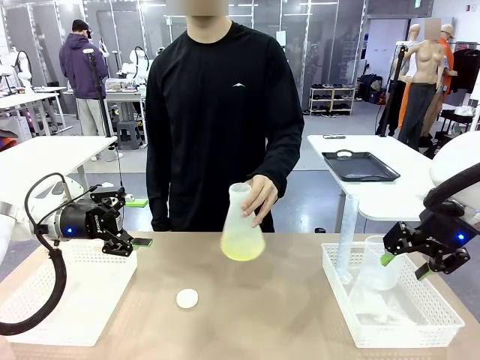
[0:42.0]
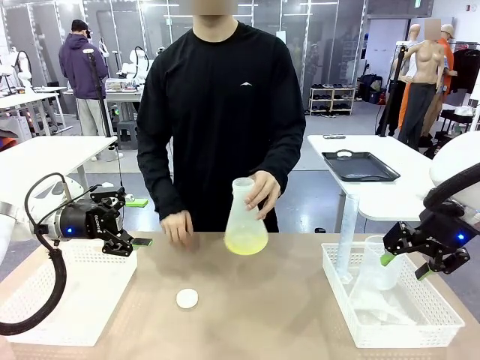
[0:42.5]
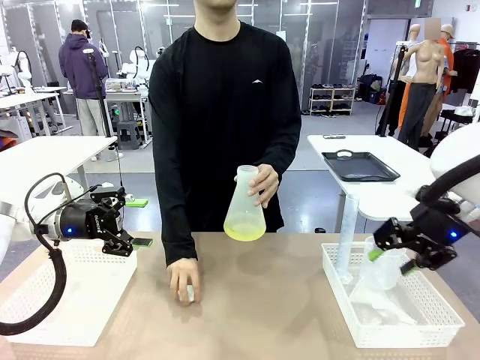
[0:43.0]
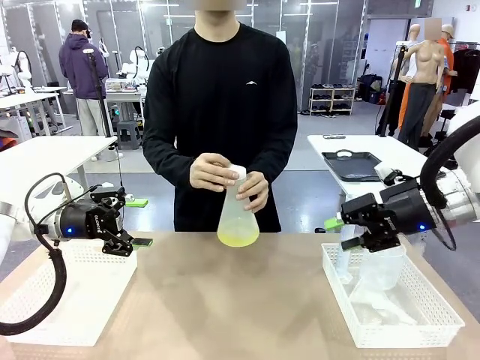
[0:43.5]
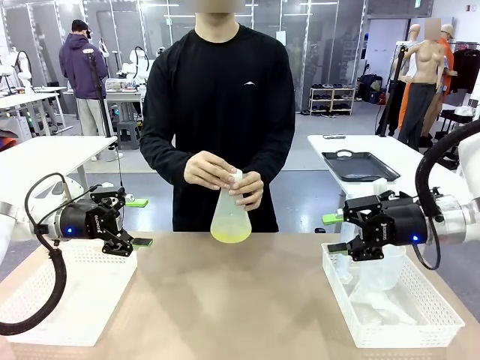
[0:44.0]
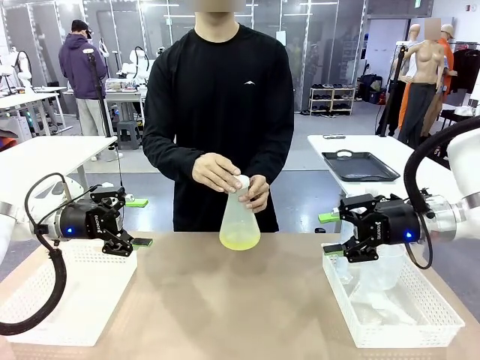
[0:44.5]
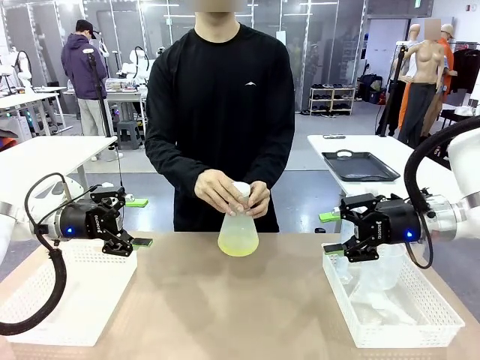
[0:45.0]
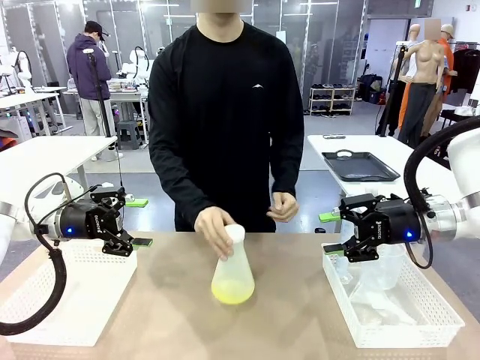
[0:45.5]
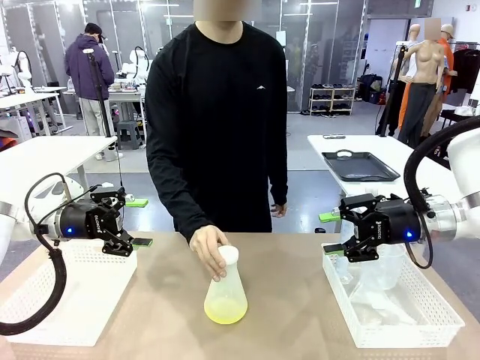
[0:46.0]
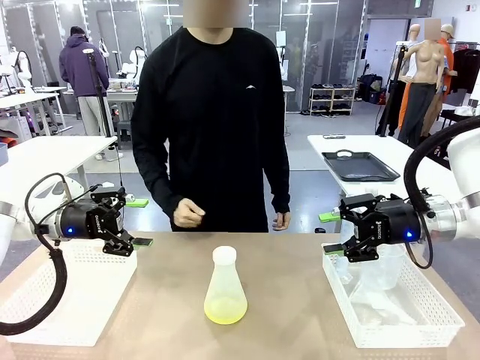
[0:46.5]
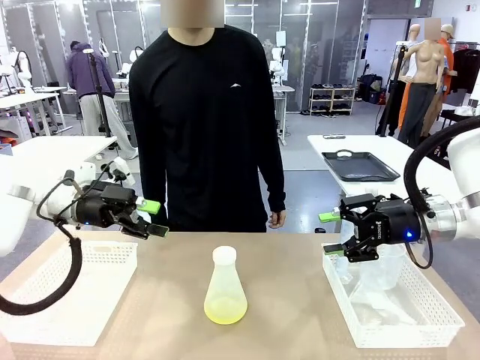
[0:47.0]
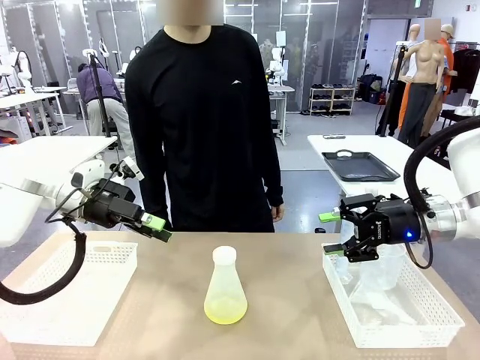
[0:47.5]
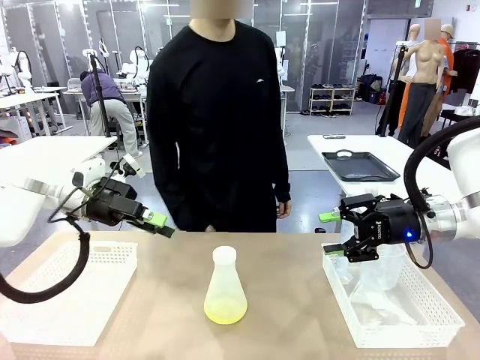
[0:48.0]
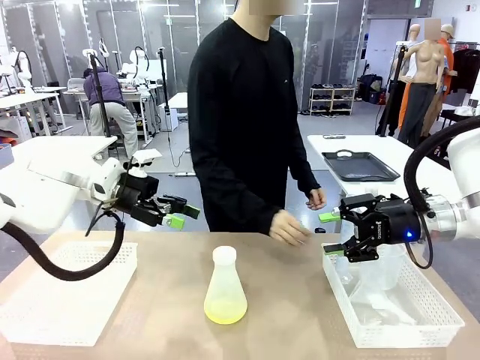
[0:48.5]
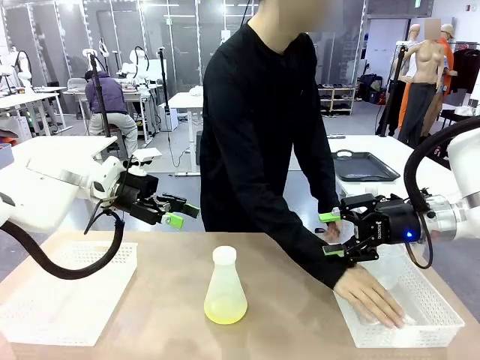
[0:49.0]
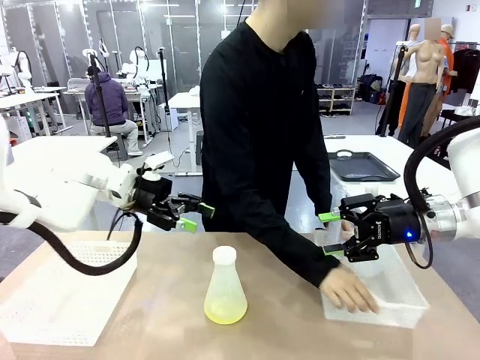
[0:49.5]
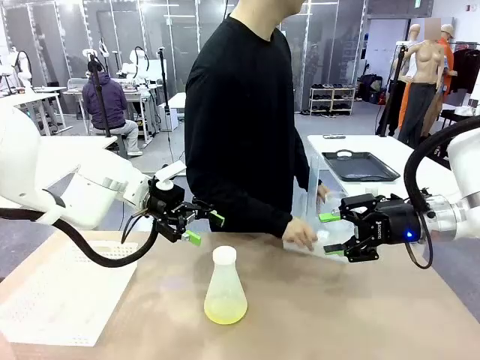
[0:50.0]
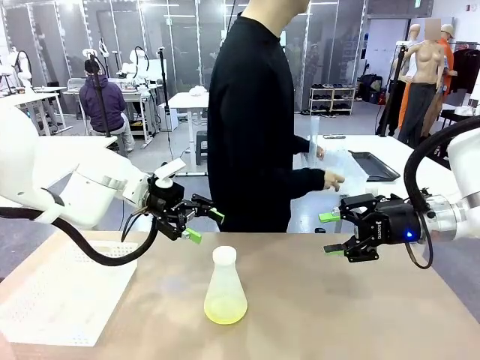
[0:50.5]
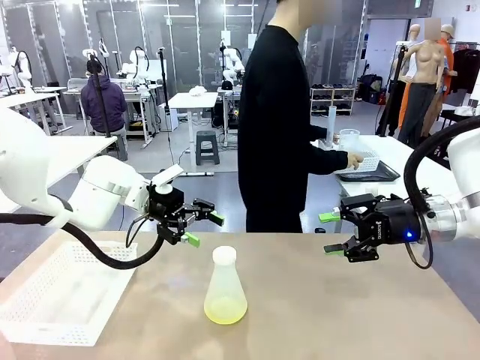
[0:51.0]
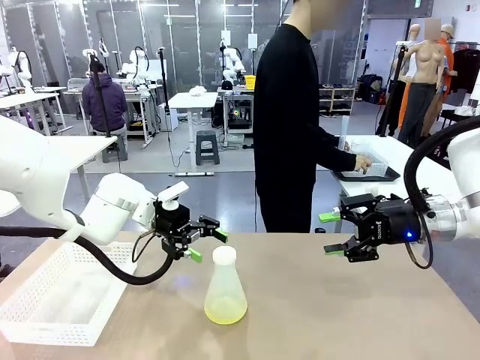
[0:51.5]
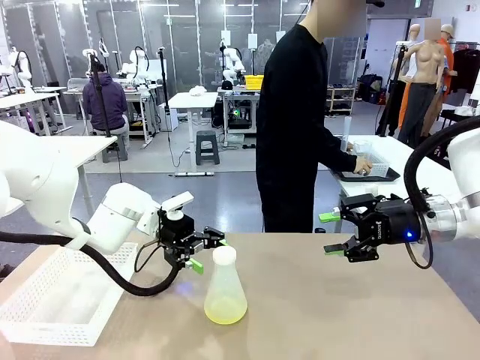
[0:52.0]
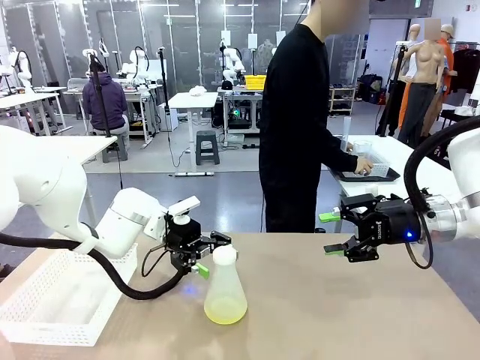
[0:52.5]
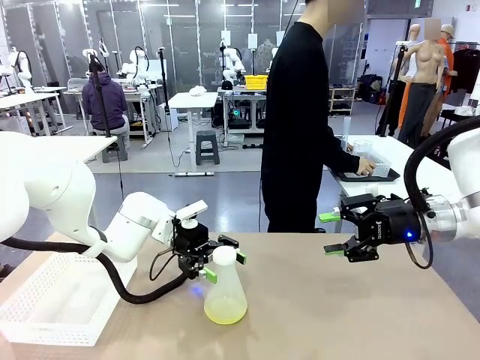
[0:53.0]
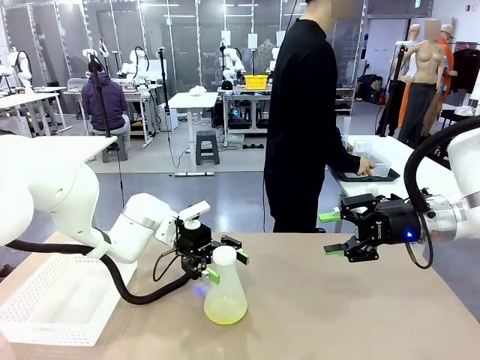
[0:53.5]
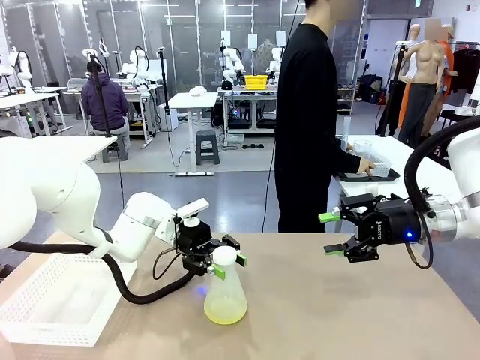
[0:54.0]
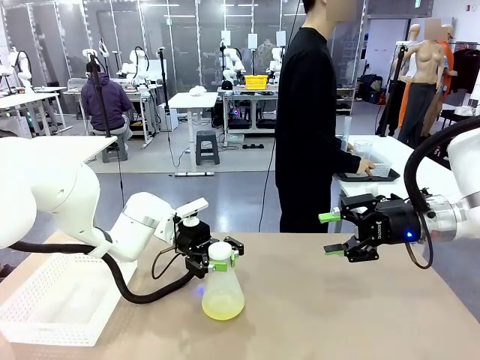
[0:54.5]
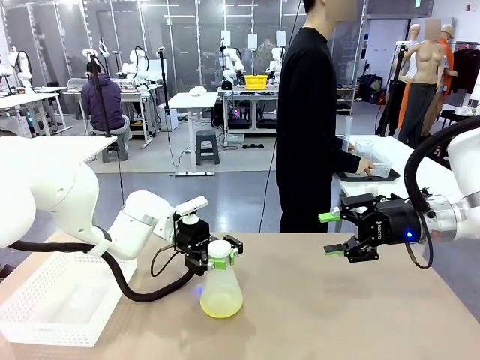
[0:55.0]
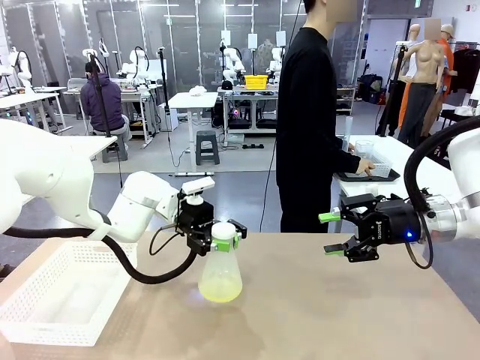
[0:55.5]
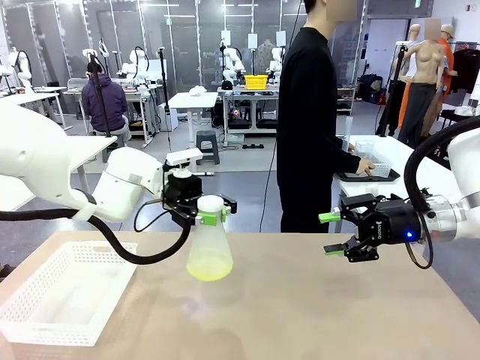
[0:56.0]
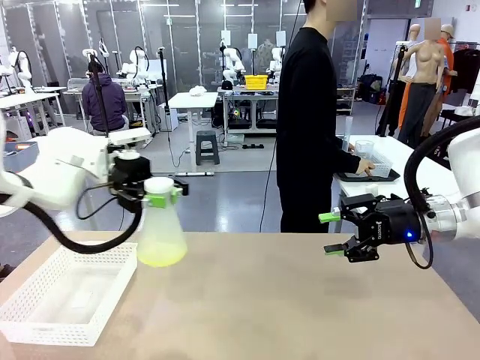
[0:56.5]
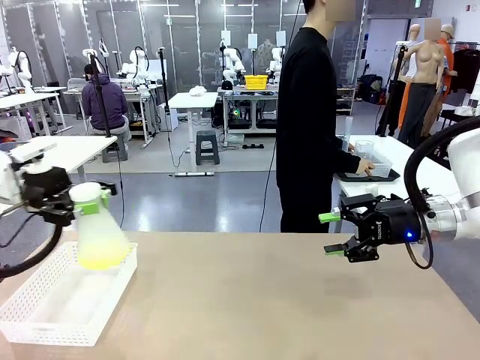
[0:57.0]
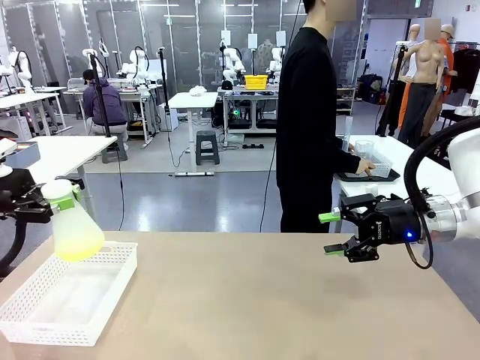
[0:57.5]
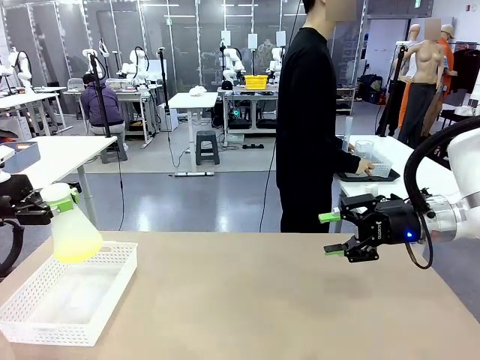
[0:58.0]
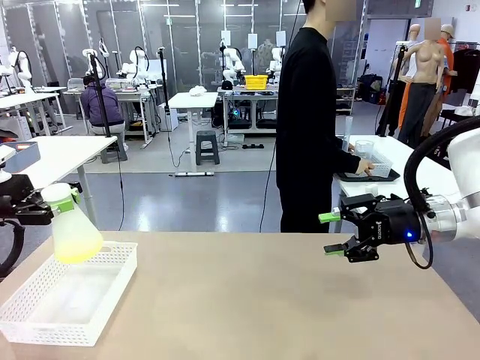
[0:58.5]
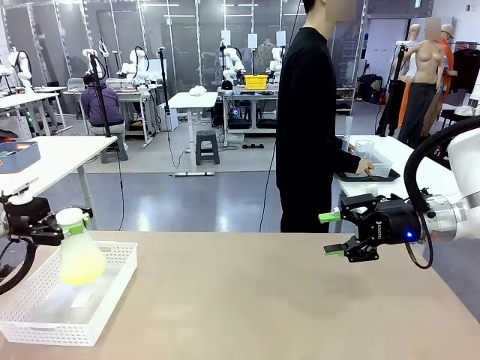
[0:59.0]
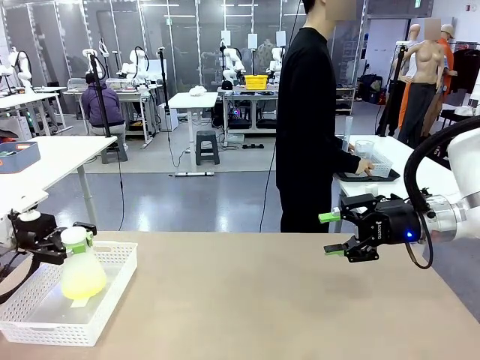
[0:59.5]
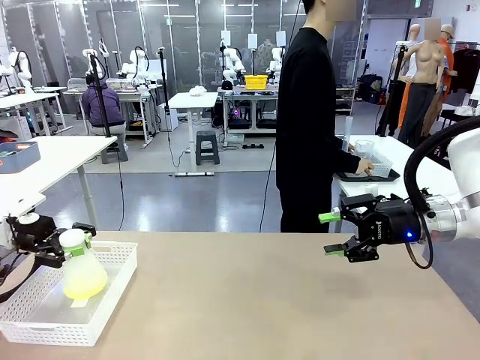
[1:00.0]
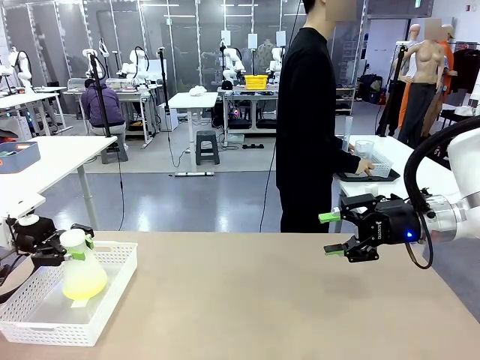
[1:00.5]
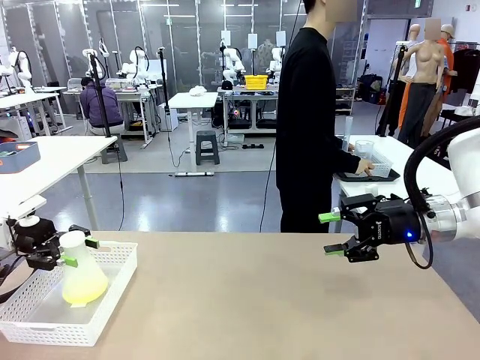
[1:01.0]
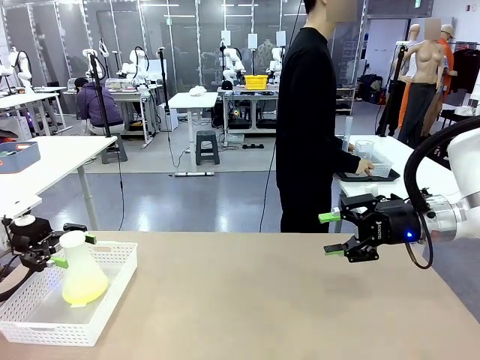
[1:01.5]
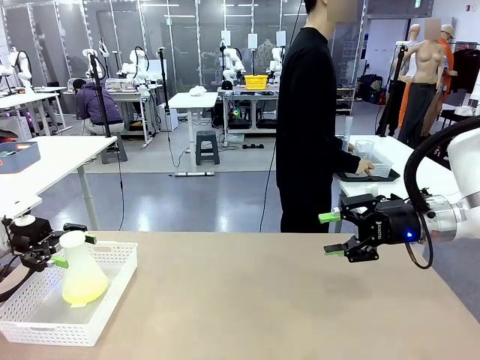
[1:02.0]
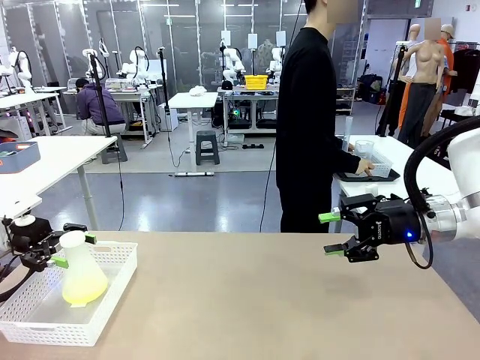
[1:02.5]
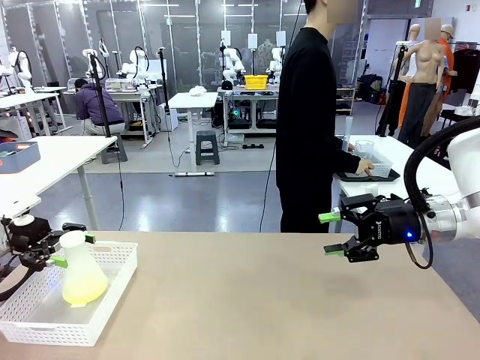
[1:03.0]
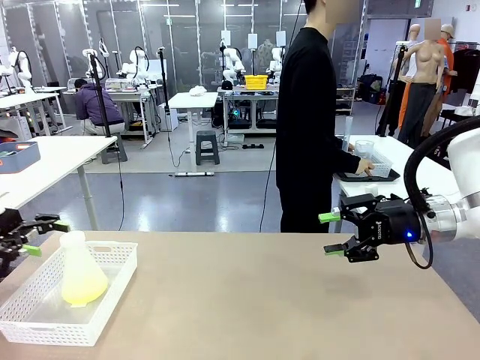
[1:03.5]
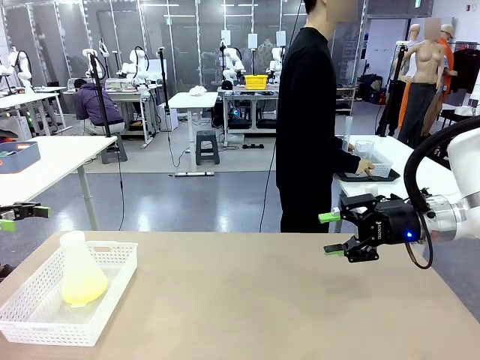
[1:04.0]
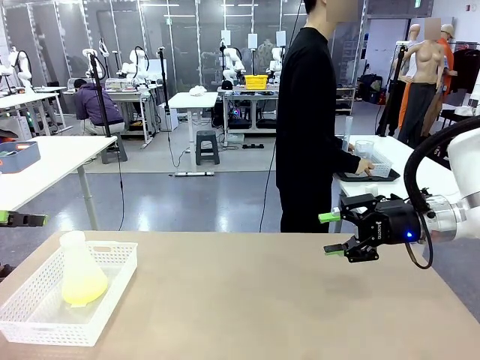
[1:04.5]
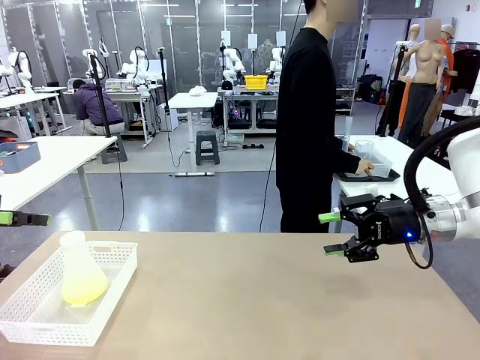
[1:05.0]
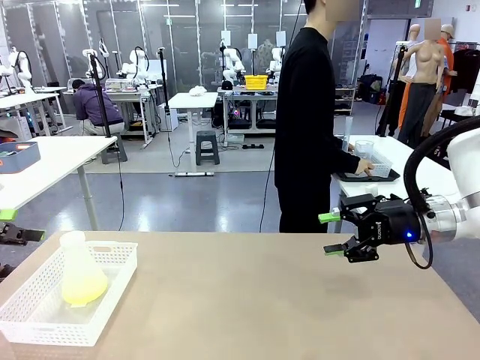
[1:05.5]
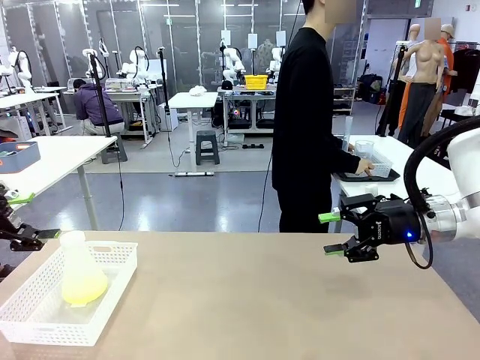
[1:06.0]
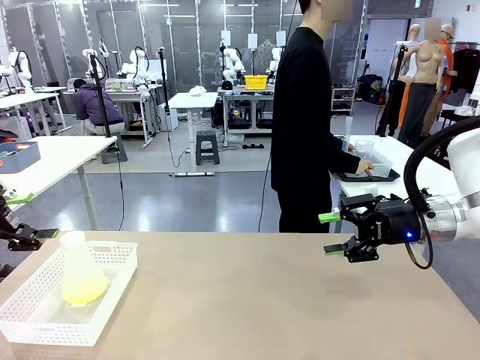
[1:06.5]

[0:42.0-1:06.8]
Task: Prepare the solutions needed for the experiment.
Robot: When the human places the Big flask in the center of the table, pick up the Big flask and place it in the left Organizing basket.
Person: Pick up the organizing basket on the left side of the robot table and place it on the left side of the human table.
